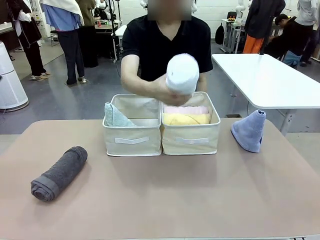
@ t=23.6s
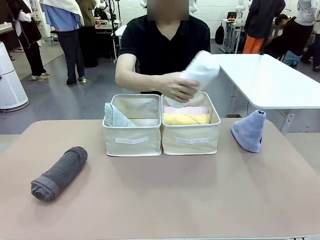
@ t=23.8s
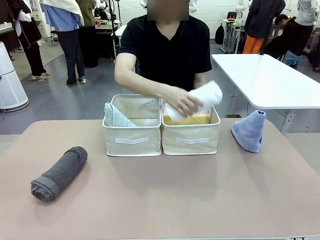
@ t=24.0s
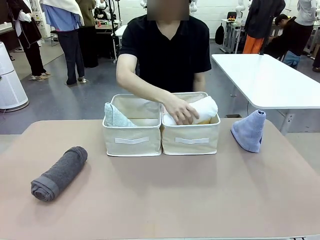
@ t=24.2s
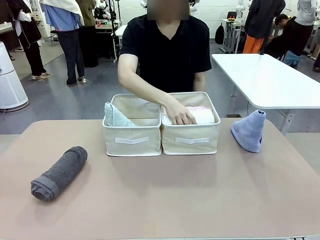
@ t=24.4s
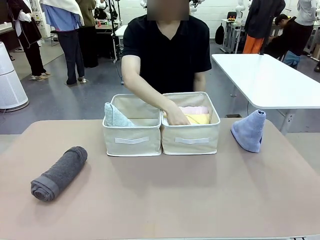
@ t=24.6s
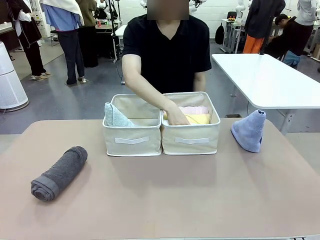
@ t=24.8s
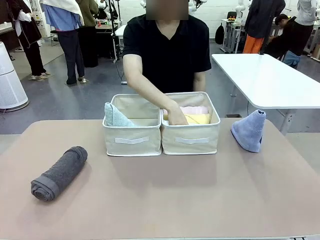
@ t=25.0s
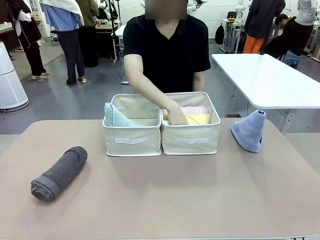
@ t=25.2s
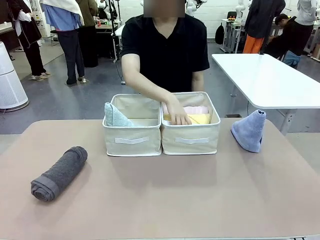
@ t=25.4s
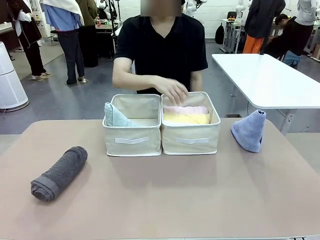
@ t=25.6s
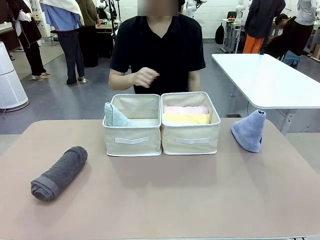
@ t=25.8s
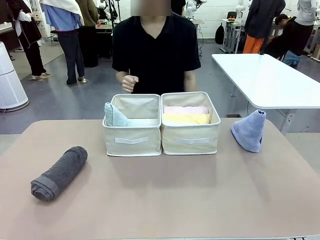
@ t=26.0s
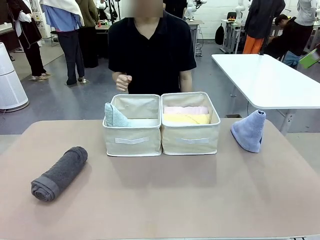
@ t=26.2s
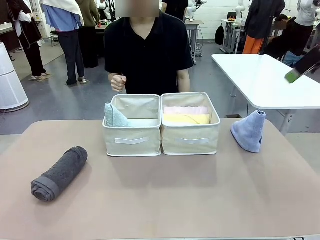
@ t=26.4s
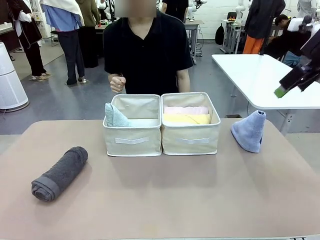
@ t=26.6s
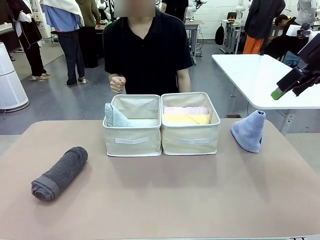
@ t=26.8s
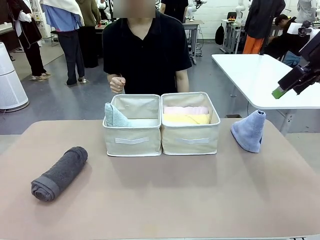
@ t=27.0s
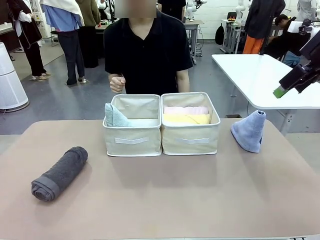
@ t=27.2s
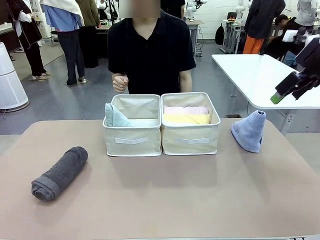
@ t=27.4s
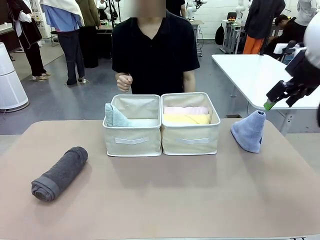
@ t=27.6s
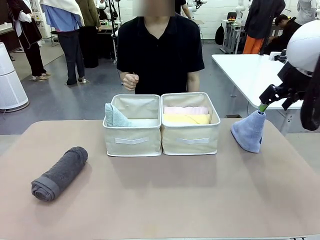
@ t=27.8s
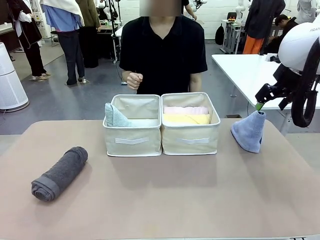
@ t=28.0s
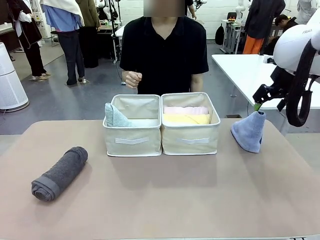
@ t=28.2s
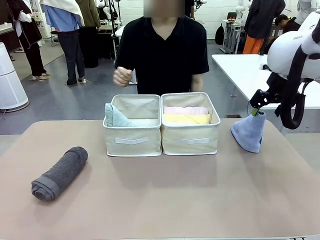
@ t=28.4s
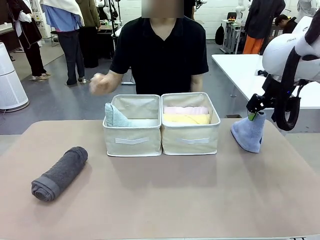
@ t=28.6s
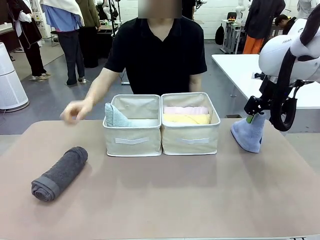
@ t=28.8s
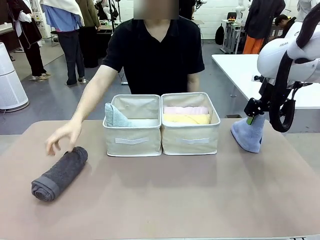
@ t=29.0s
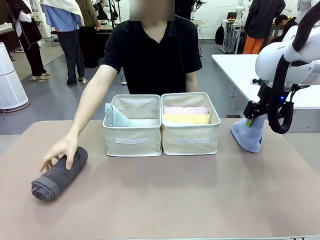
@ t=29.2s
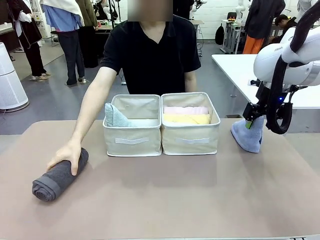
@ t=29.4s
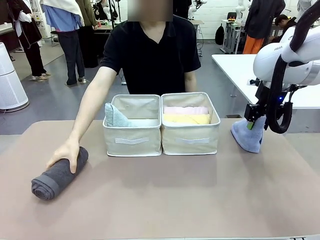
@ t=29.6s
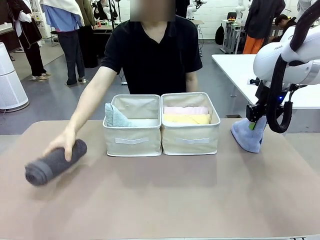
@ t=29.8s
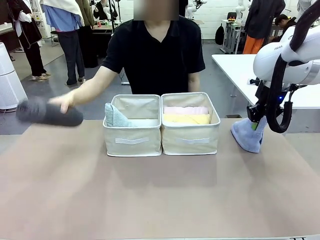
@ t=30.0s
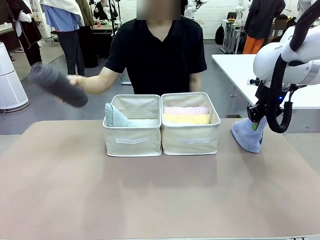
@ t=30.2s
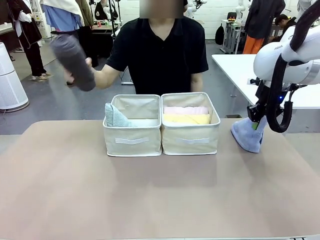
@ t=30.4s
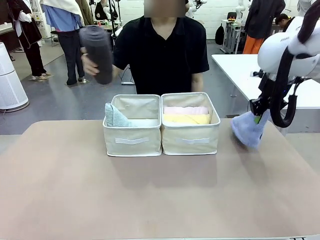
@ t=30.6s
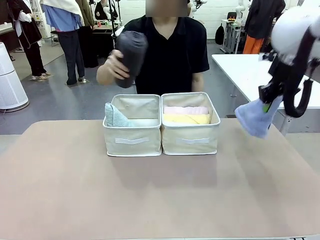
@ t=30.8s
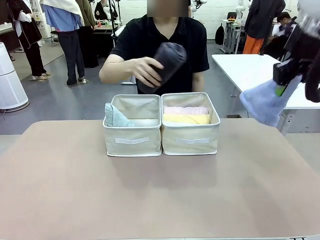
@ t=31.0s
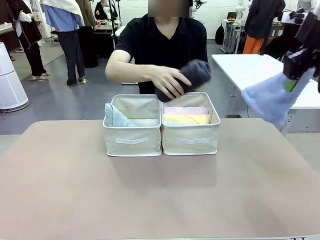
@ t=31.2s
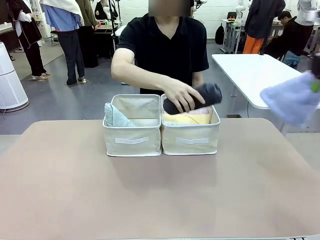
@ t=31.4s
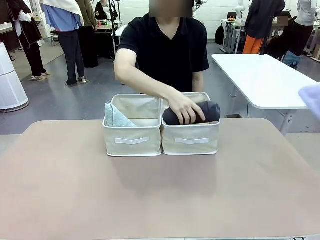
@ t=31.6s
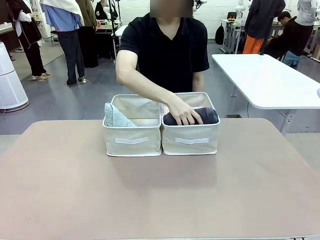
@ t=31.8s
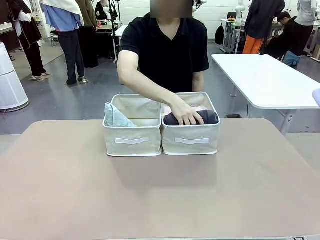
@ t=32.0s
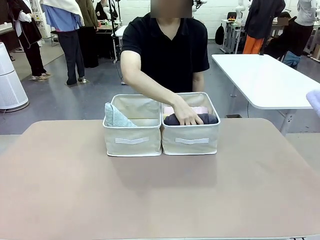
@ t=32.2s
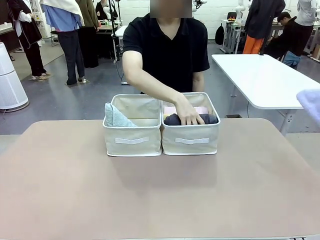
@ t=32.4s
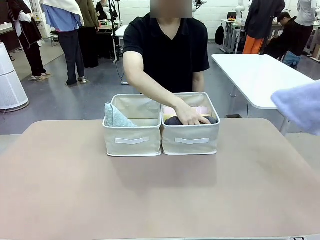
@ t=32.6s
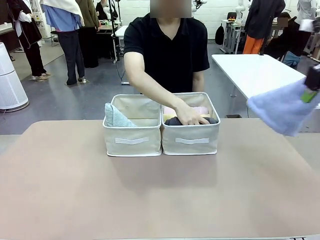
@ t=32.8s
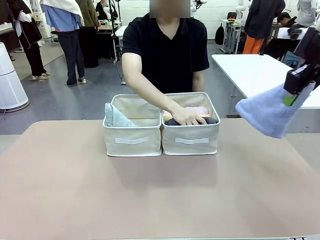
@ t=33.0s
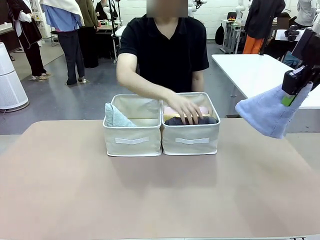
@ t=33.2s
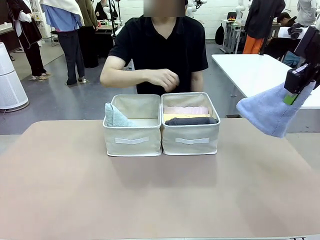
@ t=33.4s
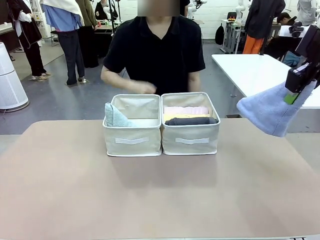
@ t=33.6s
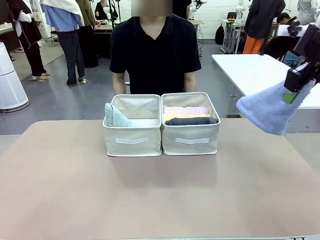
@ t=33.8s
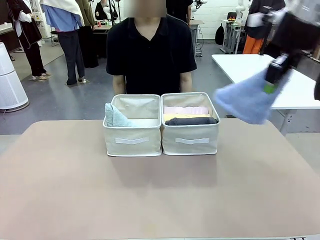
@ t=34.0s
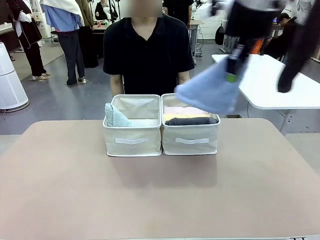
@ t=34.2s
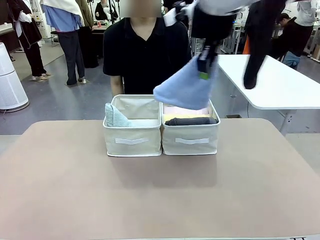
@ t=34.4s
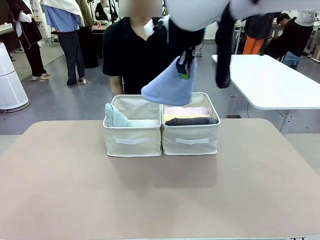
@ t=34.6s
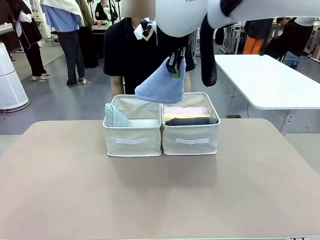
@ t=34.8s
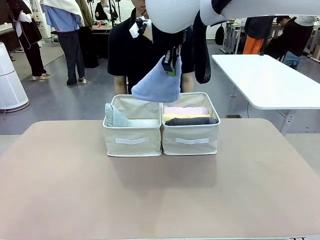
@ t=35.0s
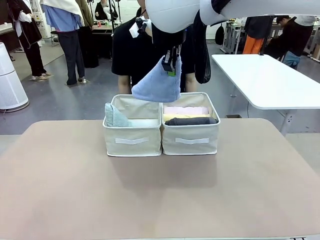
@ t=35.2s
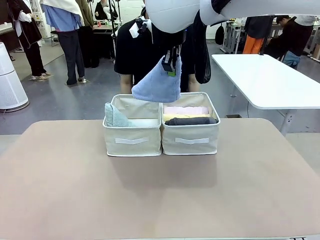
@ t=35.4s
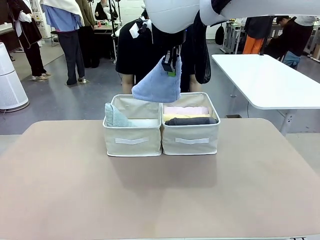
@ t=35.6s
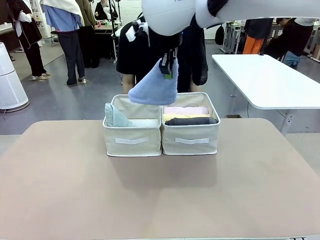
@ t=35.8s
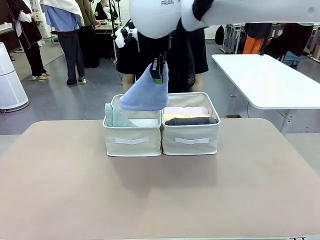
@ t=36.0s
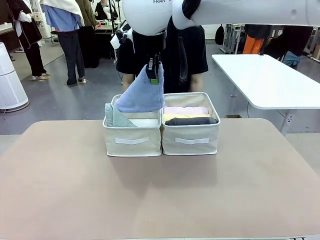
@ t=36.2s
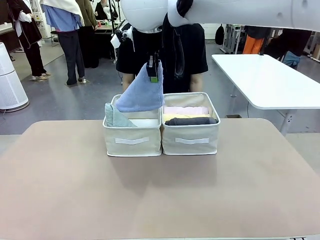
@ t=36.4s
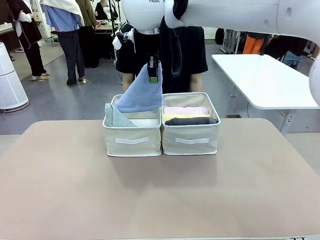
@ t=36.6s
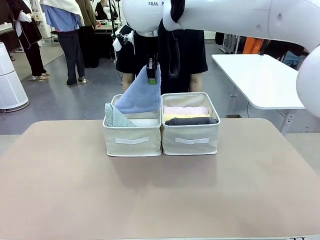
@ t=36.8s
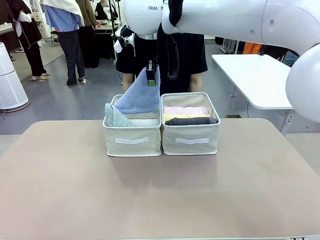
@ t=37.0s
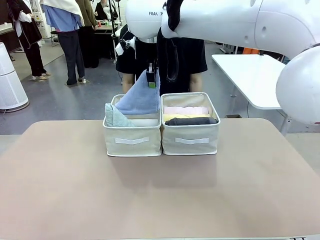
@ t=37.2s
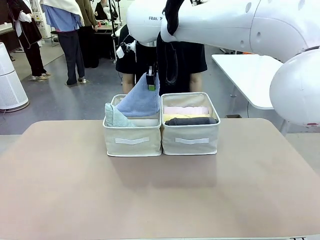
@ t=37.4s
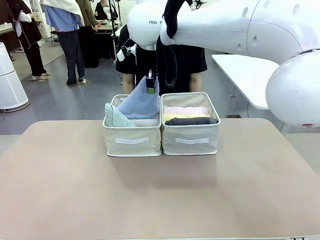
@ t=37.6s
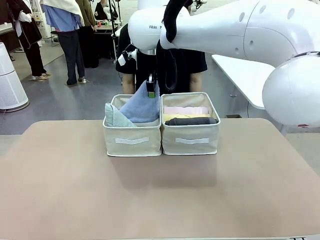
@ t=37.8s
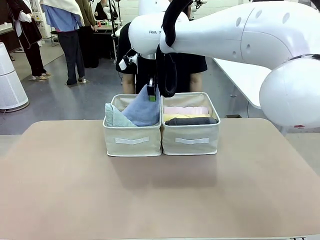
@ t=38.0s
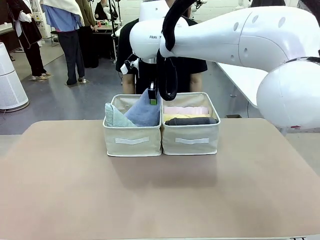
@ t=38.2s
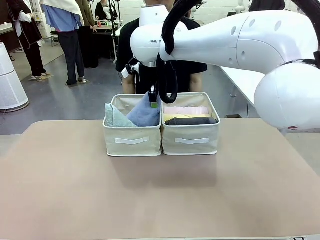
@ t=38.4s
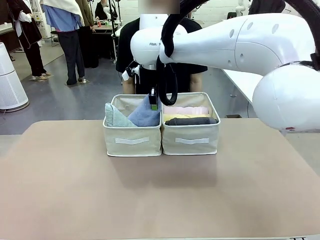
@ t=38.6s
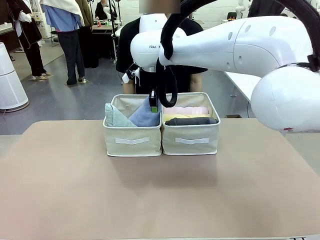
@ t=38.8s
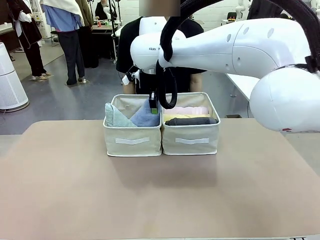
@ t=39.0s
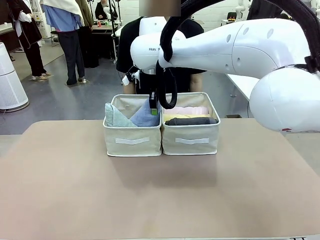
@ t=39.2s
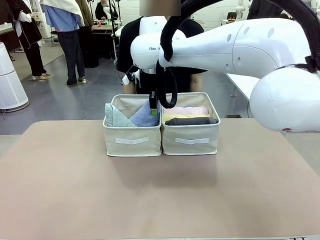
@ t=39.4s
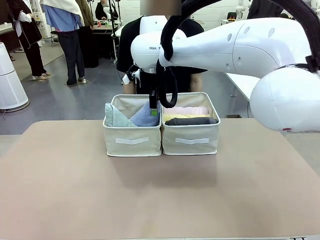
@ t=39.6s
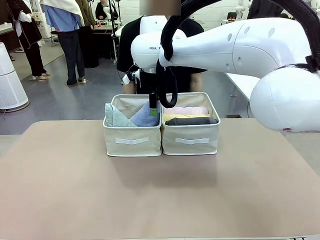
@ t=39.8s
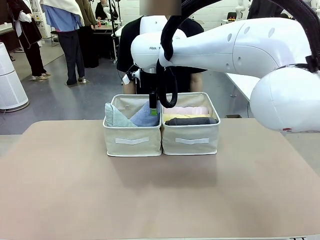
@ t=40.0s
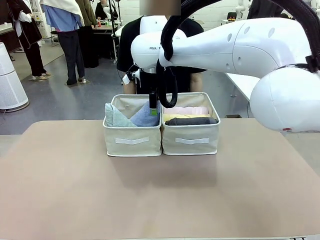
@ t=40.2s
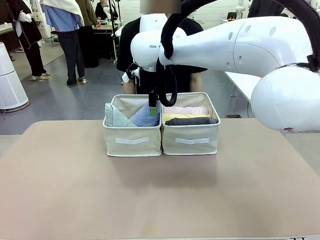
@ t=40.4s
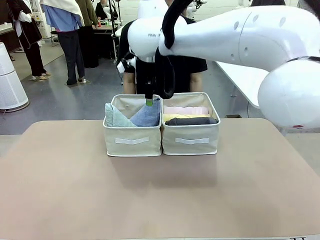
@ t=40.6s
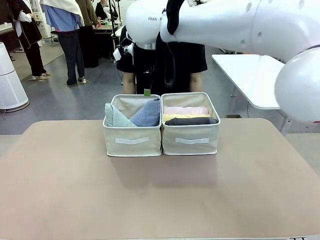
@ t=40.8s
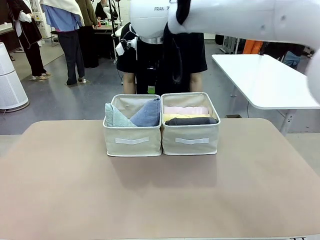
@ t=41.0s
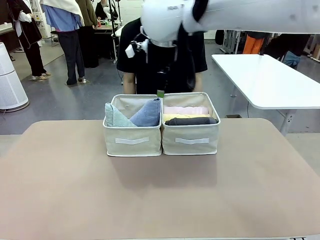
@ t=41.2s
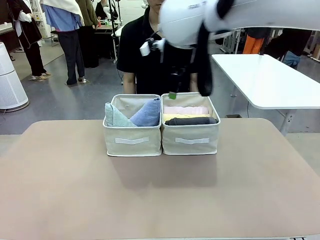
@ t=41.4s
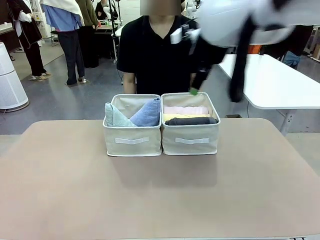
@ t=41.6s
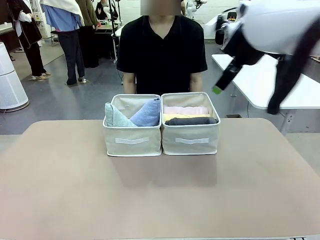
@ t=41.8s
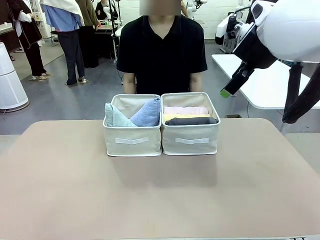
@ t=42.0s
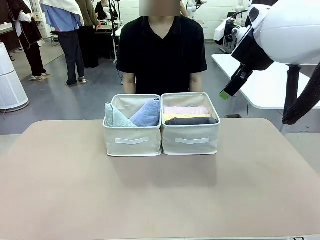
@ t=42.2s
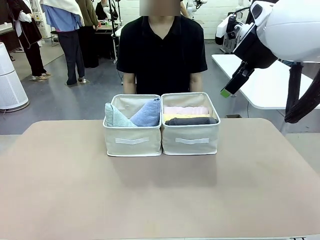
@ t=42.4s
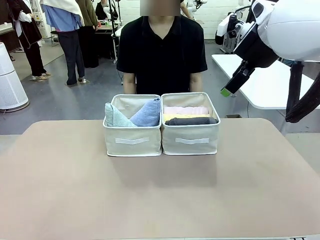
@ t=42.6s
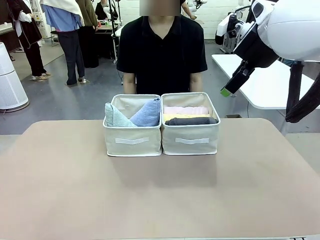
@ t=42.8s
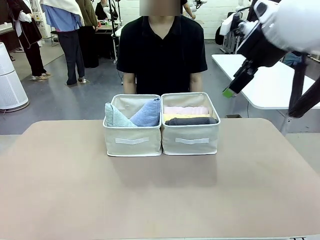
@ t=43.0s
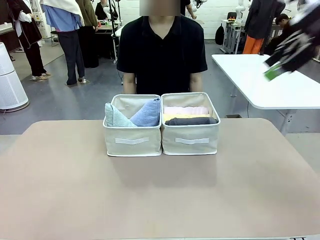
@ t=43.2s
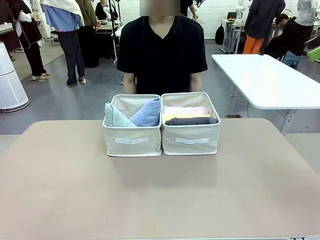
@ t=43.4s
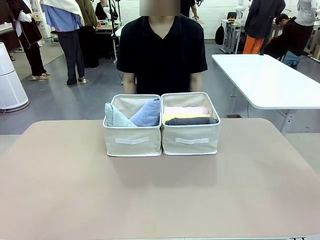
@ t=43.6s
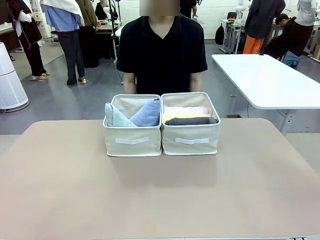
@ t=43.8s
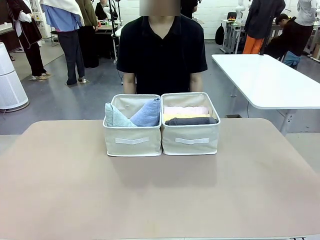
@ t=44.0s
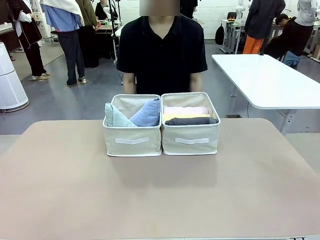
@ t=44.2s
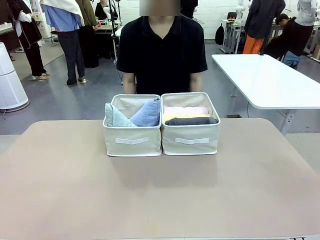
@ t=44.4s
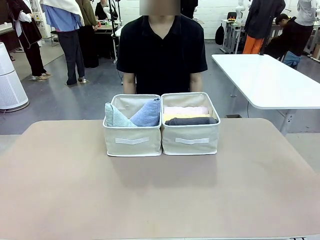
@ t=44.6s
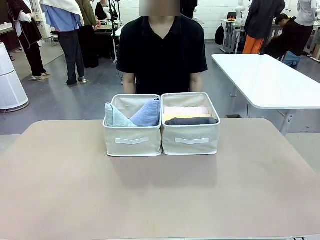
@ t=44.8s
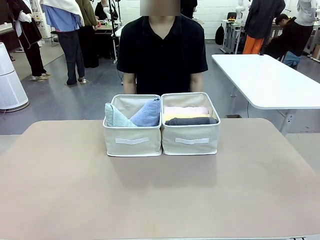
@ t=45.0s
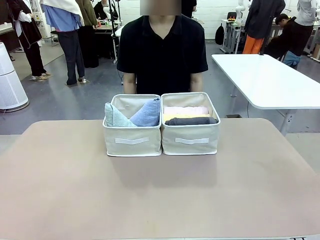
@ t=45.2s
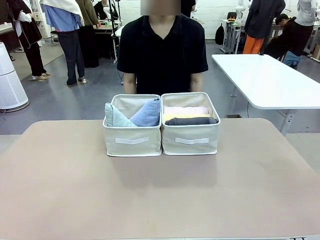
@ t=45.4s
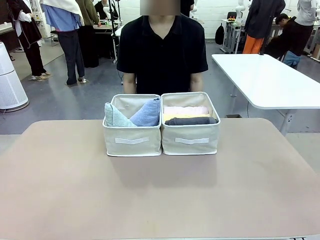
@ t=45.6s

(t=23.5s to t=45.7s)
Task: Sort the towels based on their folding style.
Robot: Pick up another triangle-folded towel from the table and place it in the left Fabric basket.
Person: Pick up one hotel-style rolled towel from the table and place it in the left fabric basket.
